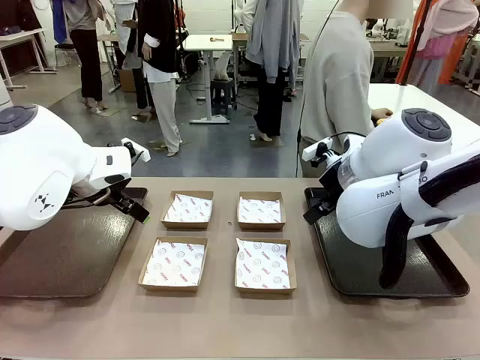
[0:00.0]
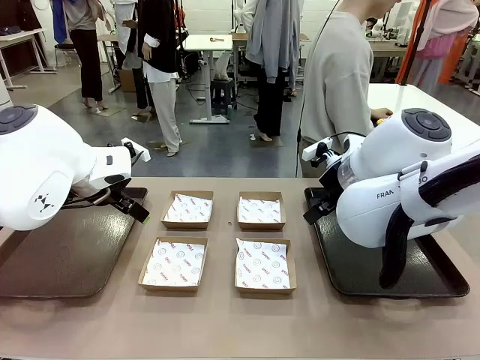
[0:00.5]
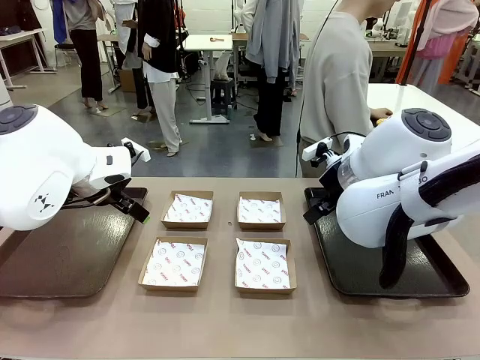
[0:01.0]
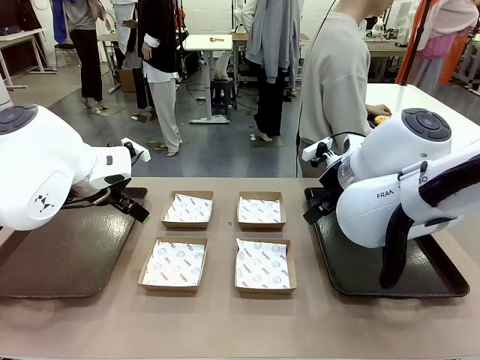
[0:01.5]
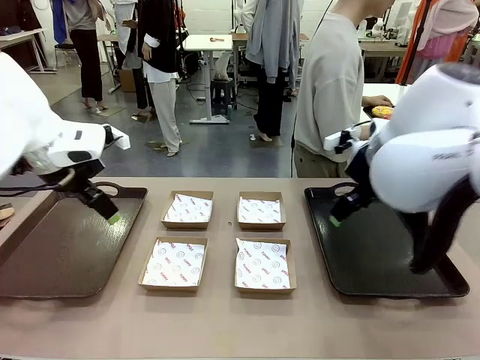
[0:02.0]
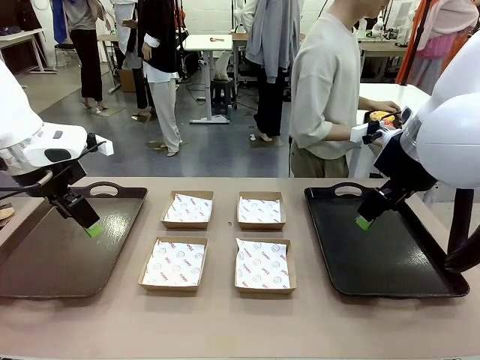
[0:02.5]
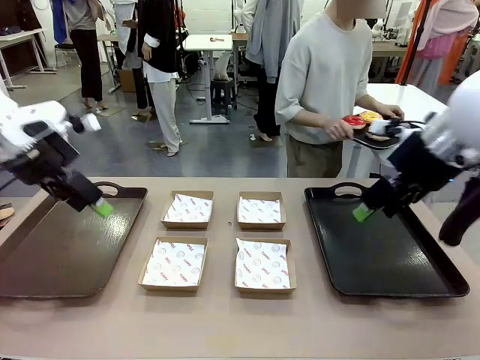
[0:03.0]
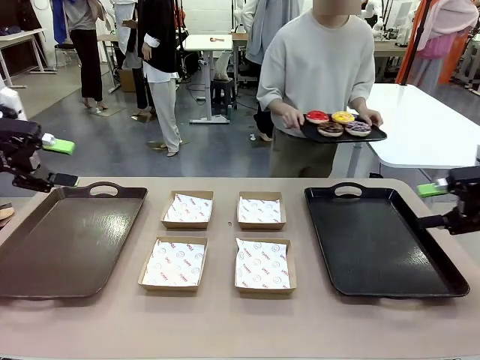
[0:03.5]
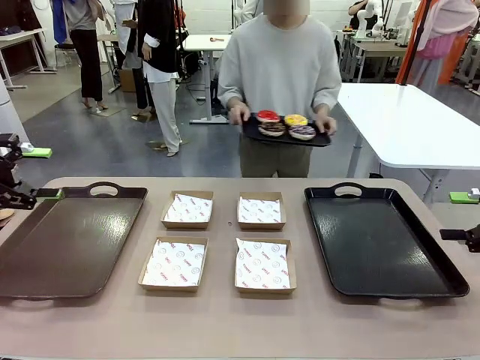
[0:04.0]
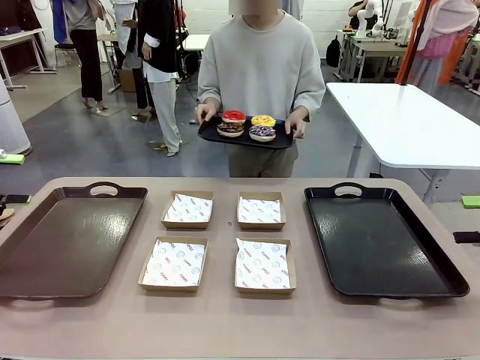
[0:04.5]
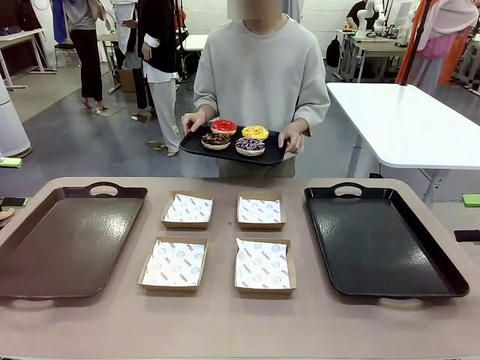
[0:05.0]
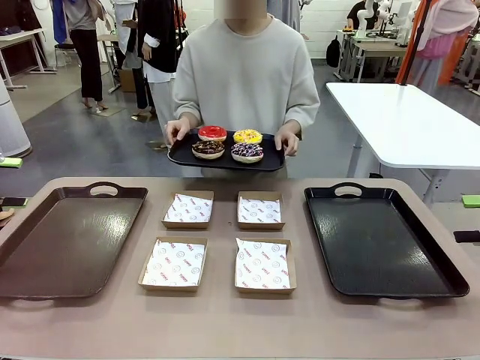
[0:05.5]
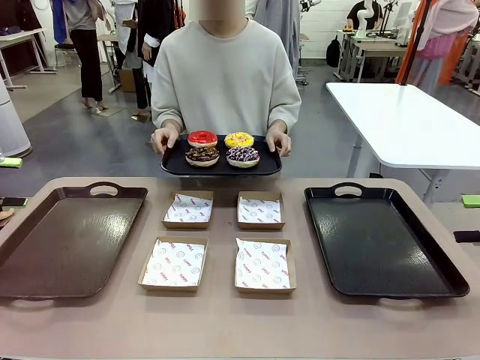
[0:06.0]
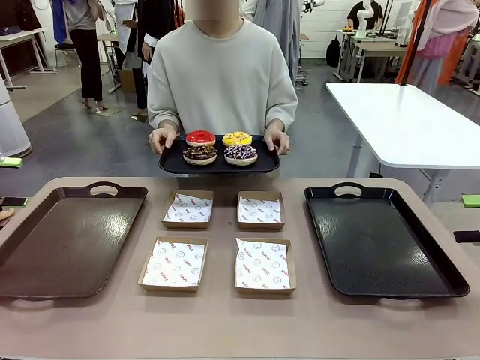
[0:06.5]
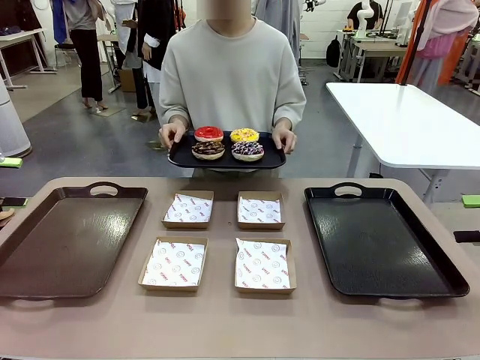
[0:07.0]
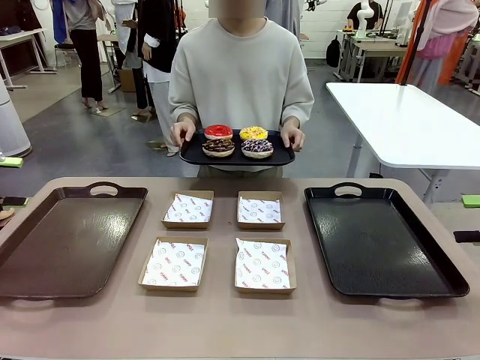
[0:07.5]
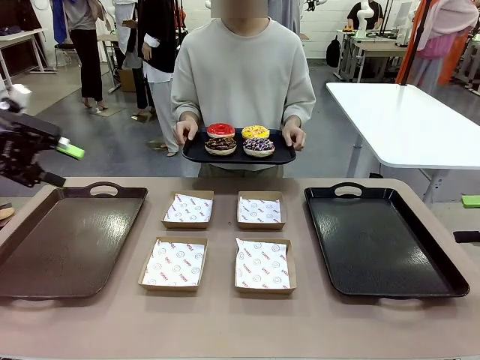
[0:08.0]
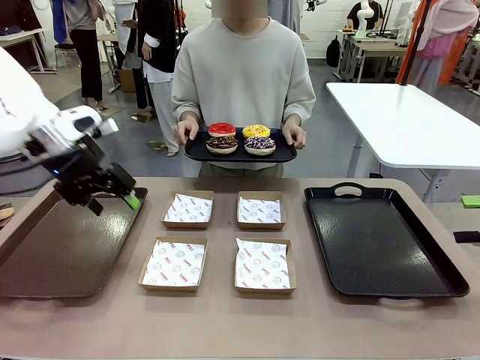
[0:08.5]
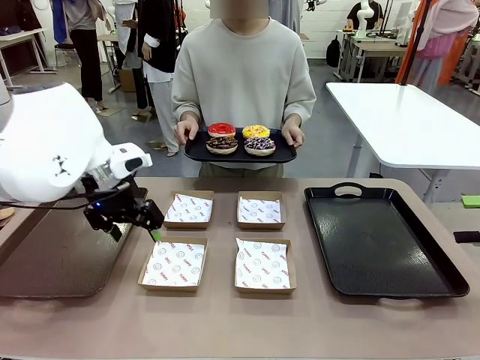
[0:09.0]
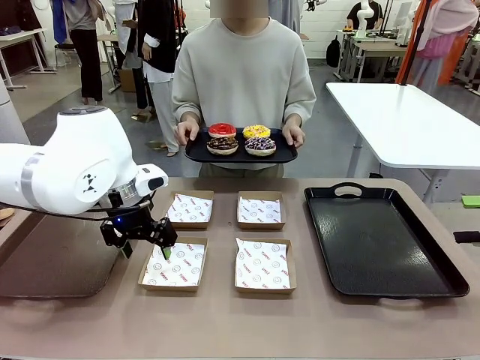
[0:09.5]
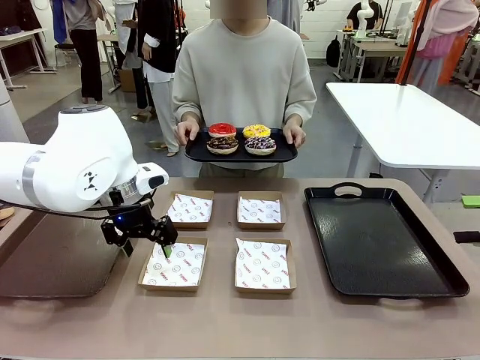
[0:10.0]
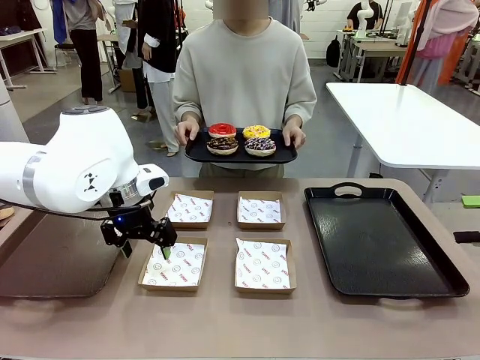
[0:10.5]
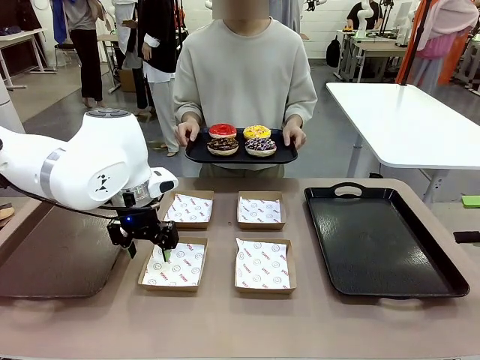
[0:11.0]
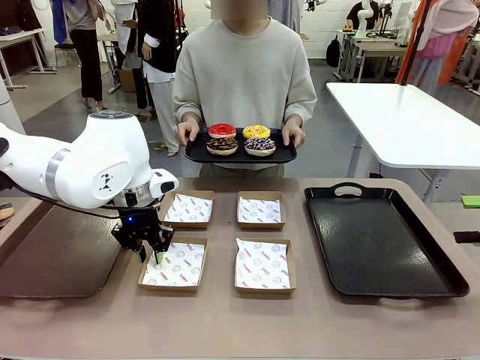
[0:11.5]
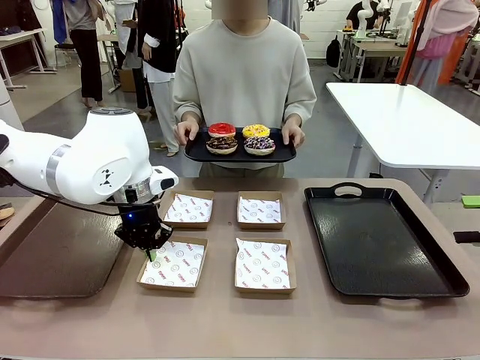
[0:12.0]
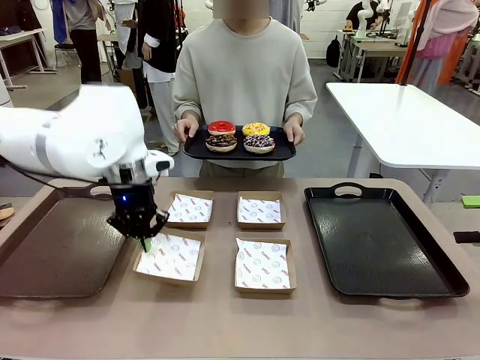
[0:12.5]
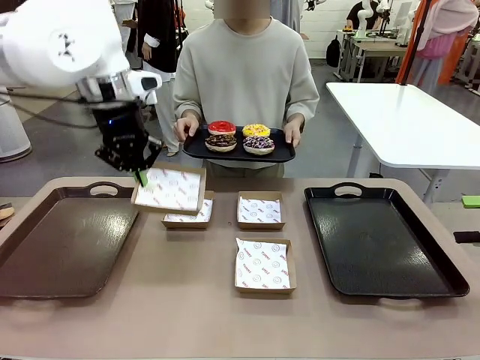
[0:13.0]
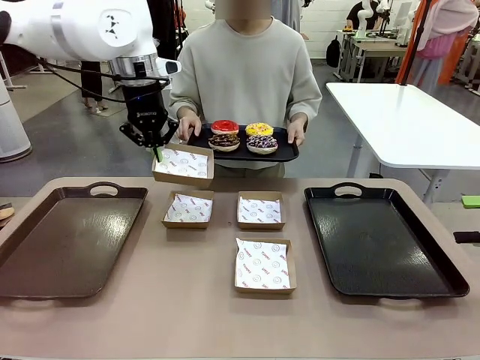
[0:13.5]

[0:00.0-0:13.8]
Task: Individually package the donuts and arrange them on the tray.
Robot: Pick up one Paper togo box.
Person: Stand in front of the robot table holding the tray containing the donuts.

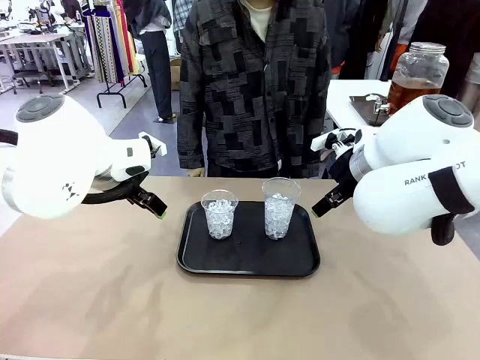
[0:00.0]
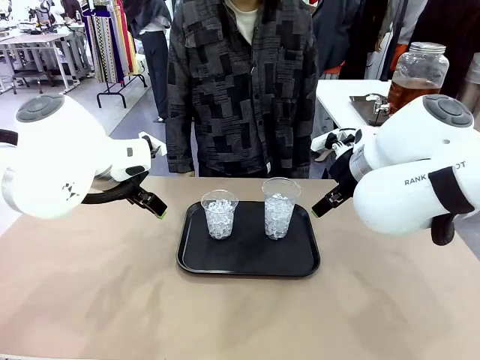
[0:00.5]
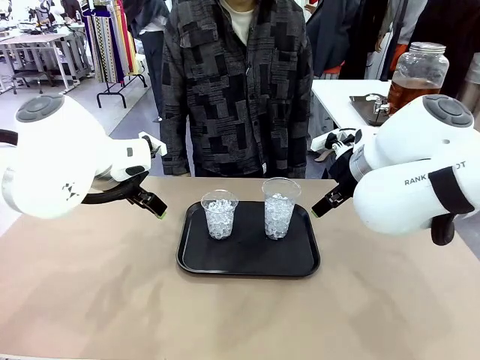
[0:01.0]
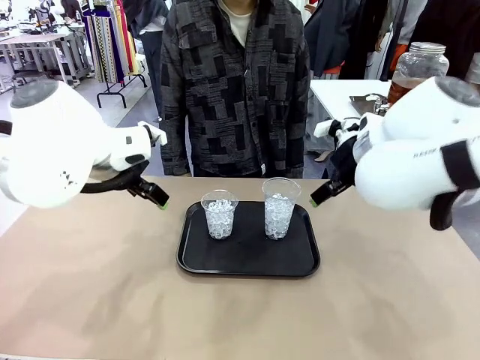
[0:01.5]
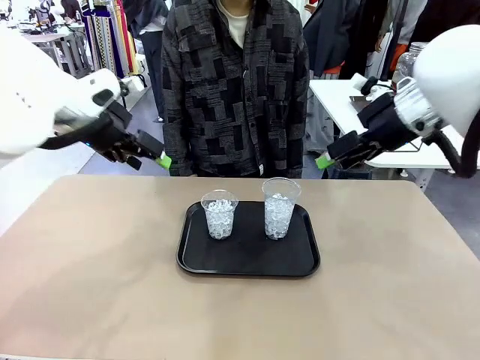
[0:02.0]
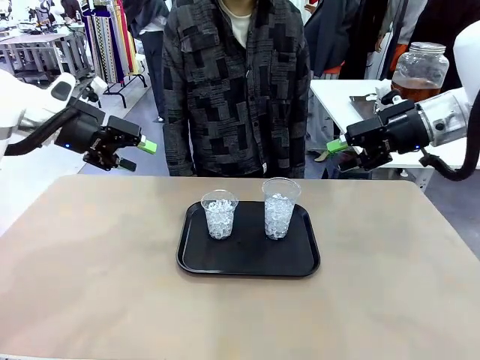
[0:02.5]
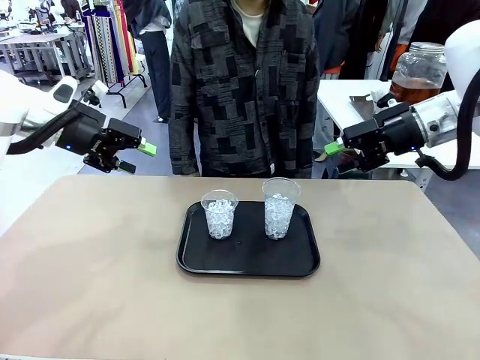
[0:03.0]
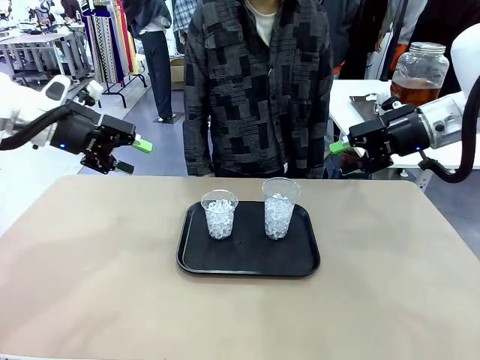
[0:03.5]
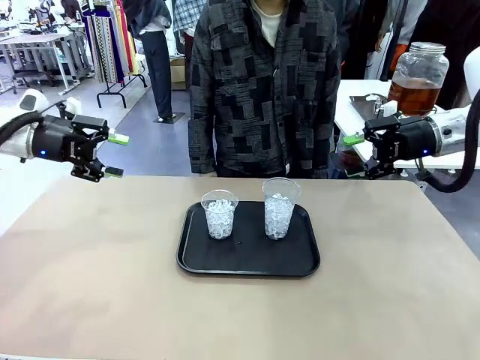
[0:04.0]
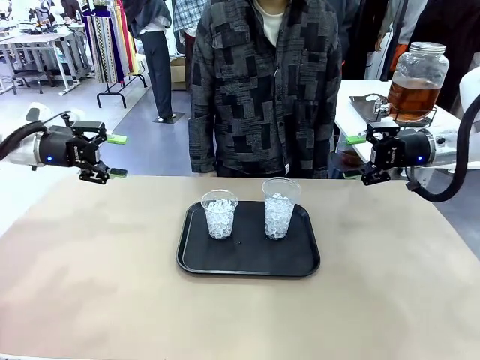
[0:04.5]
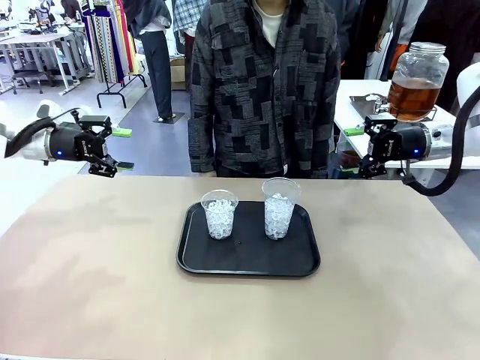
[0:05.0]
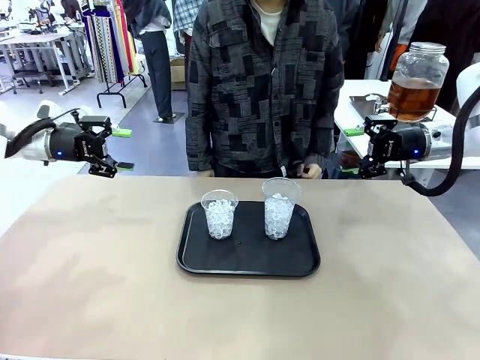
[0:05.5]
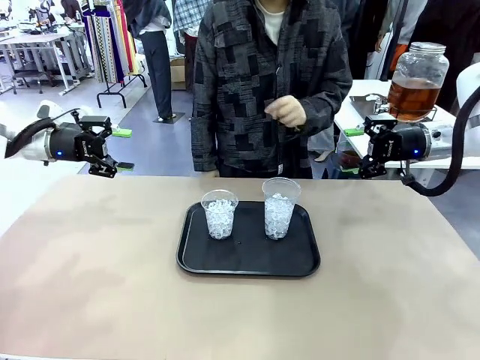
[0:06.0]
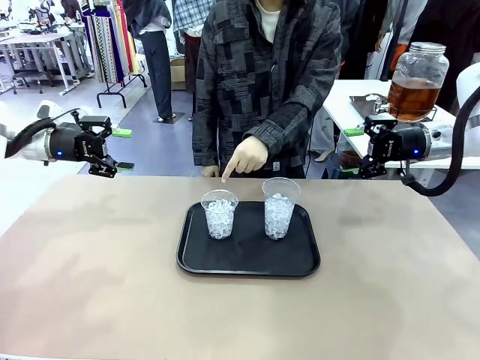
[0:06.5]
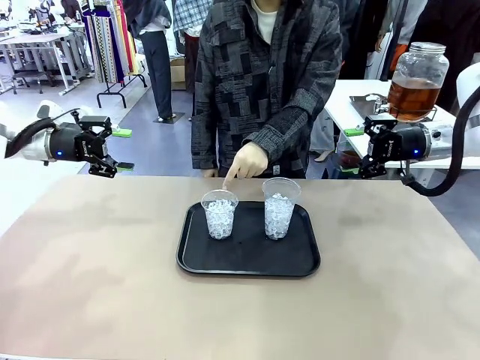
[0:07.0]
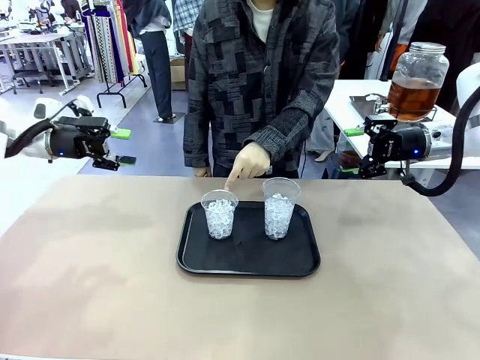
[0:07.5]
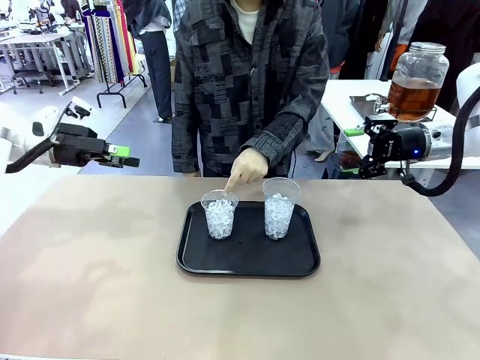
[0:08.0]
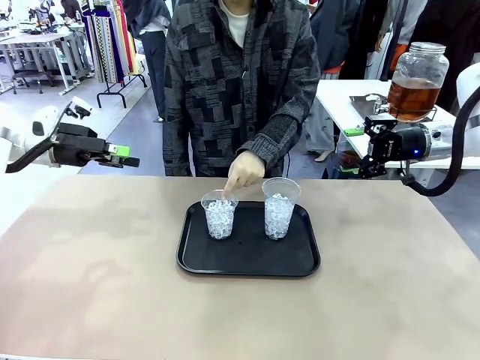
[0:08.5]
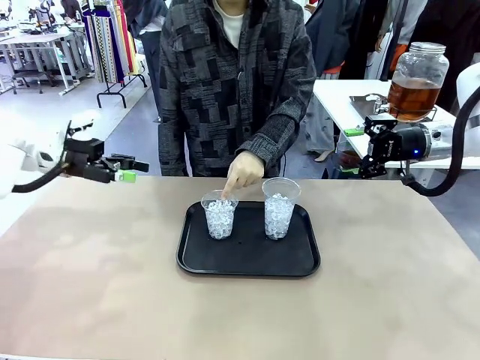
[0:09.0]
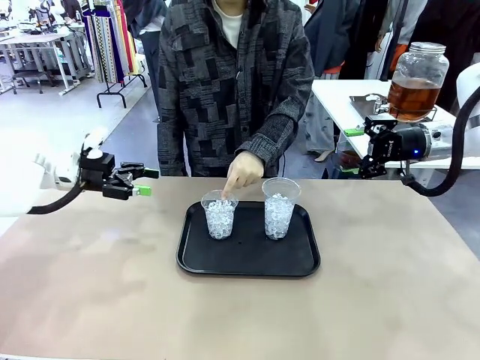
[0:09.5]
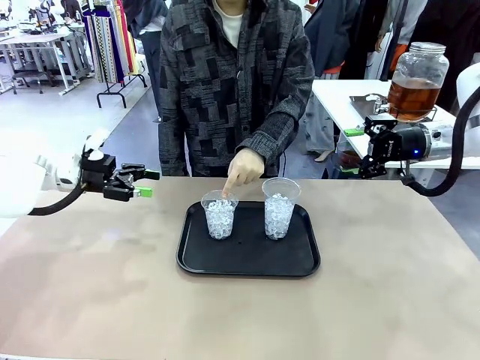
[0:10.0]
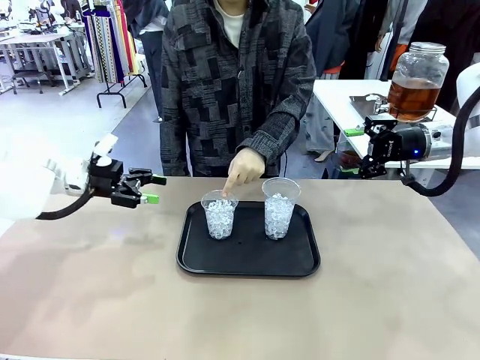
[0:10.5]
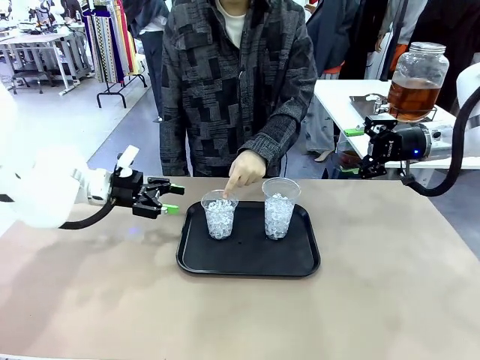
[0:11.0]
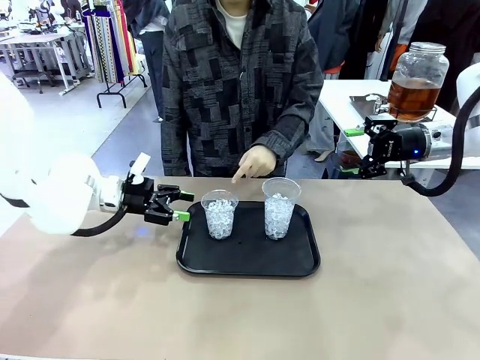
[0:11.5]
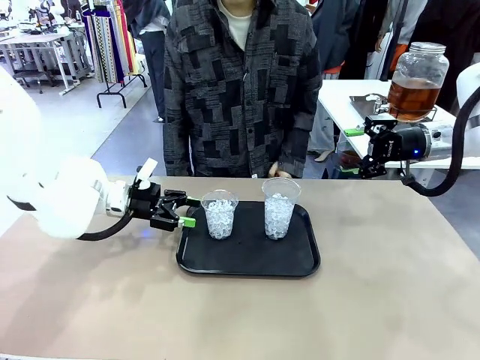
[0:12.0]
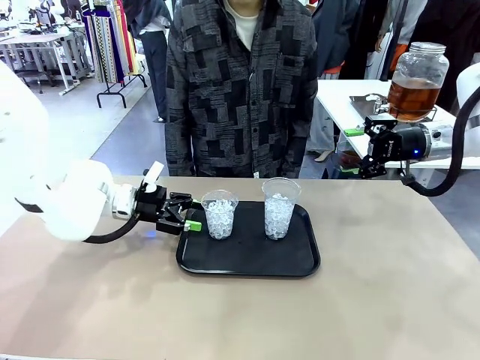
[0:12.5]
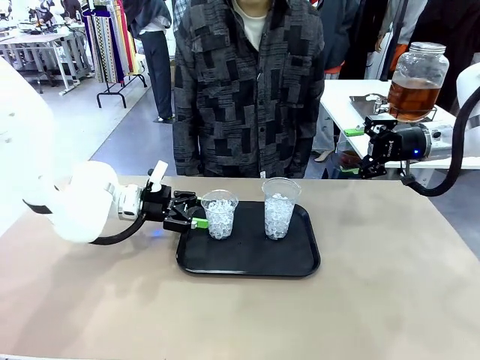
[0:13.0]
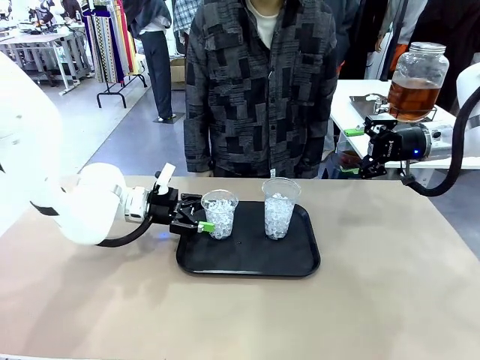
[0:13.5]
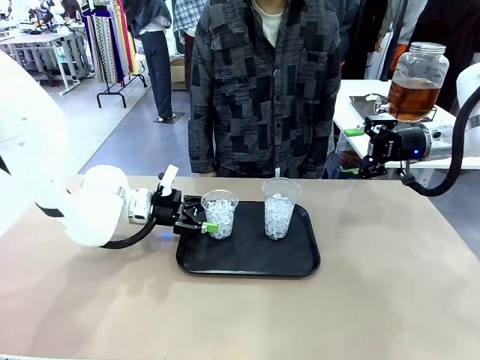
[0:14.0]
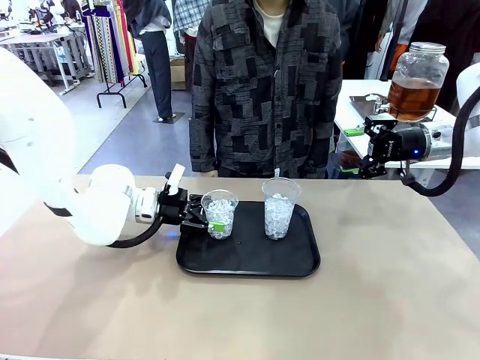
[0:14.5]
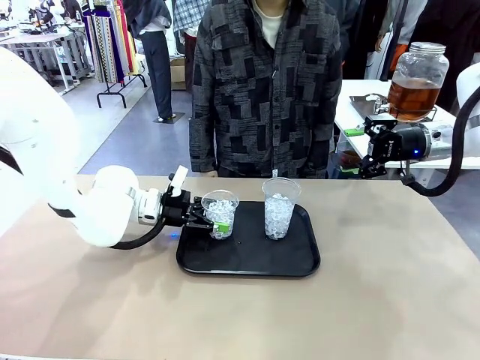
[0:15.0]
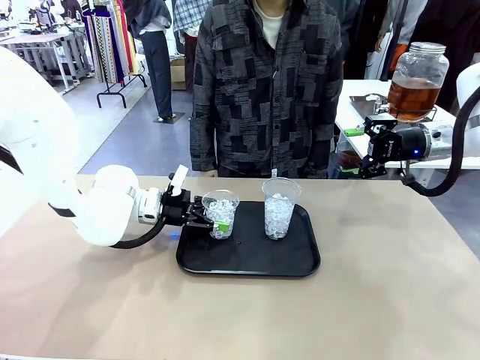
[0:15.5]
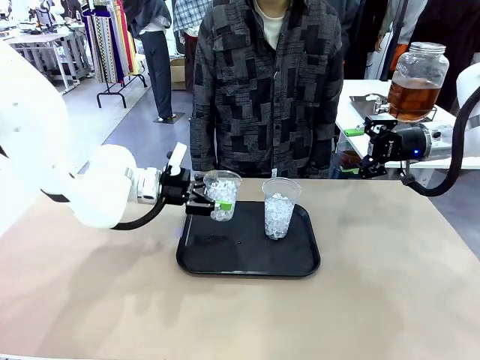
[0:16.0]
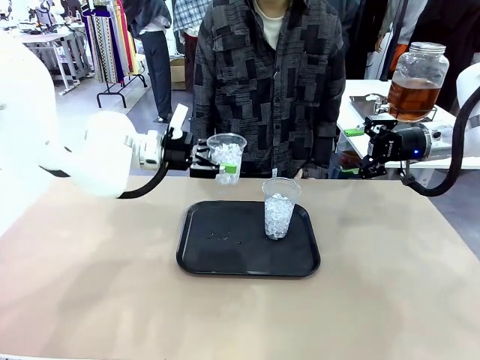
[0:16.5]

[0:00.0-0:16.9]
Task: Pour the drink into the iced cup.
Robot: Pick up the iced cup indicated by the human and present it to them.
Person: Point to one of the two ice cups. Pick up the cup offered by the robot.
